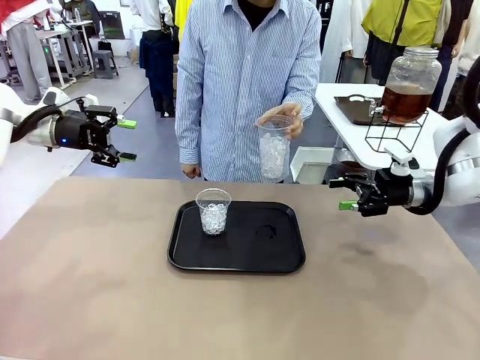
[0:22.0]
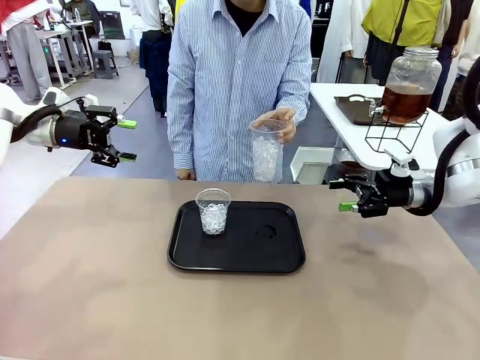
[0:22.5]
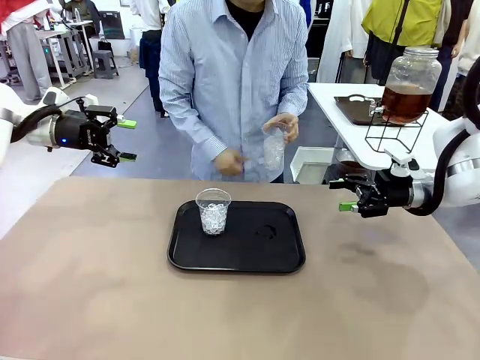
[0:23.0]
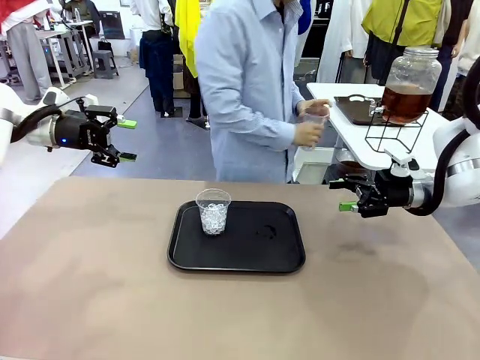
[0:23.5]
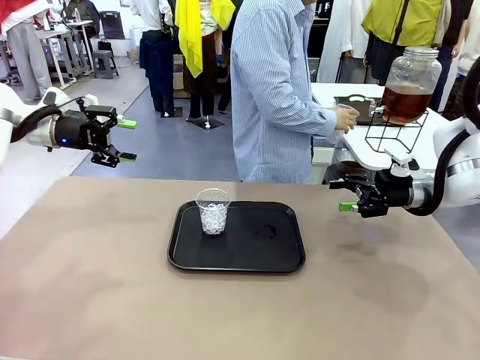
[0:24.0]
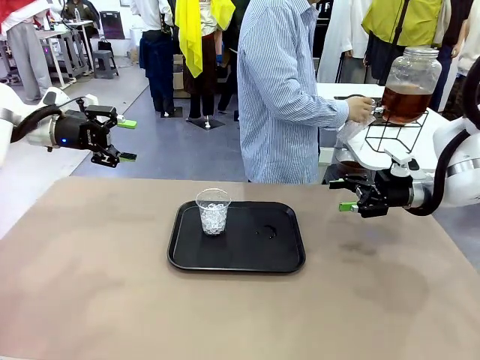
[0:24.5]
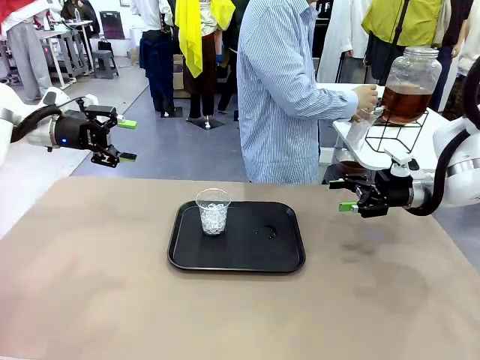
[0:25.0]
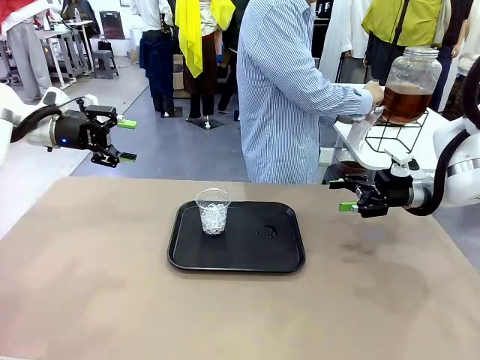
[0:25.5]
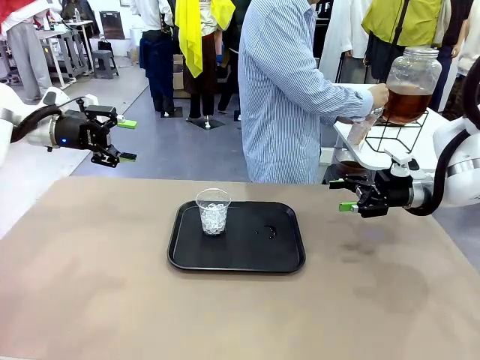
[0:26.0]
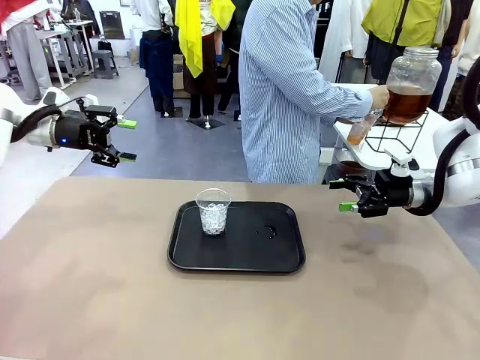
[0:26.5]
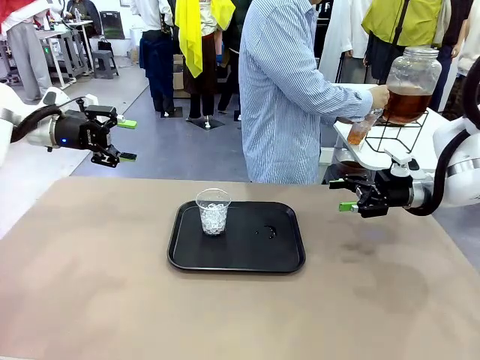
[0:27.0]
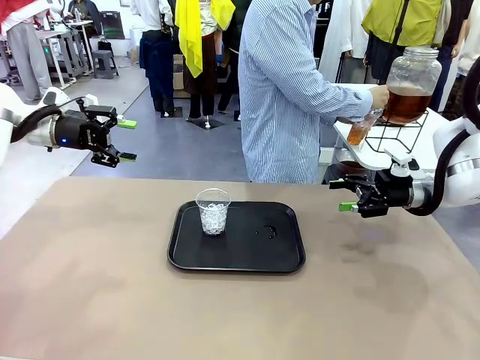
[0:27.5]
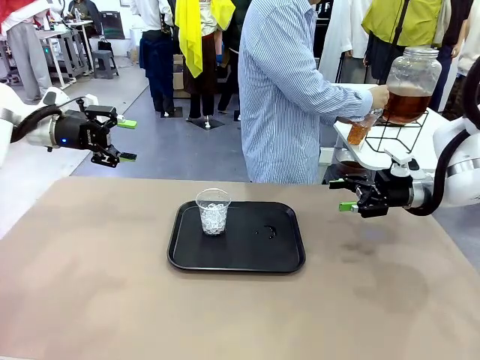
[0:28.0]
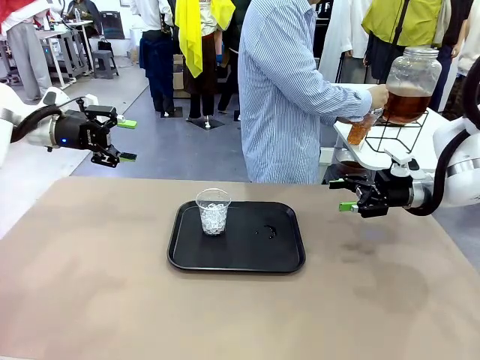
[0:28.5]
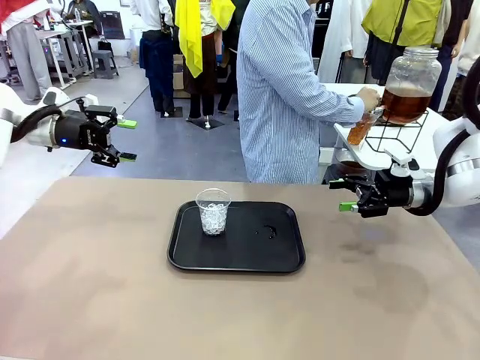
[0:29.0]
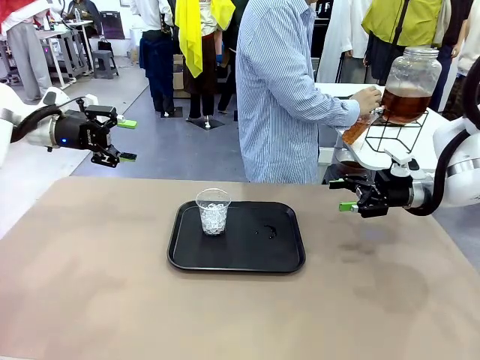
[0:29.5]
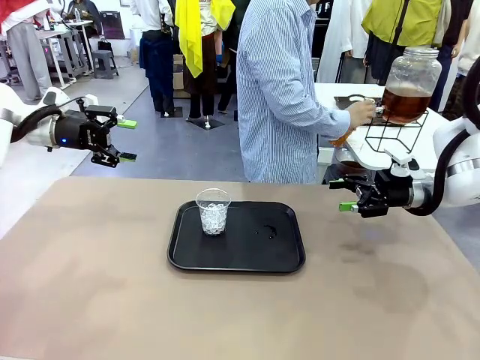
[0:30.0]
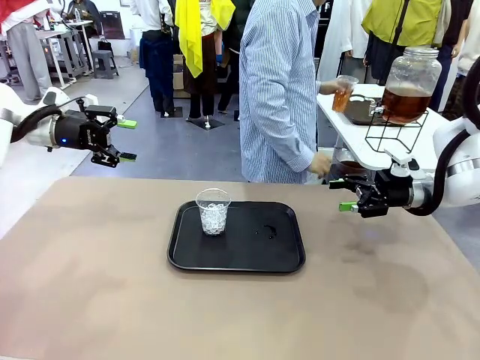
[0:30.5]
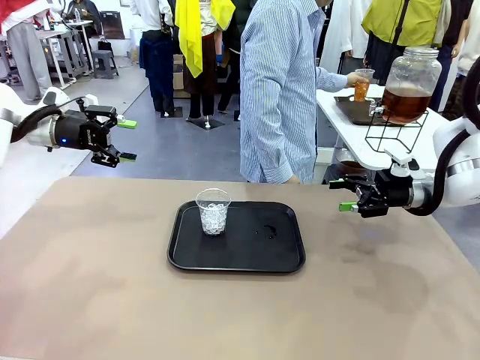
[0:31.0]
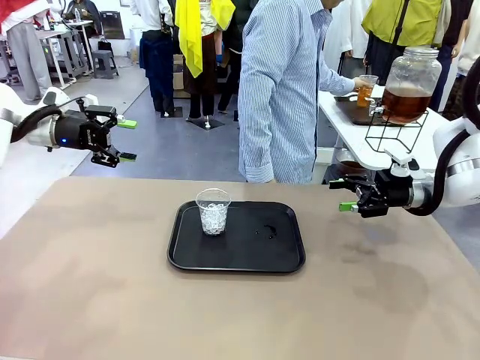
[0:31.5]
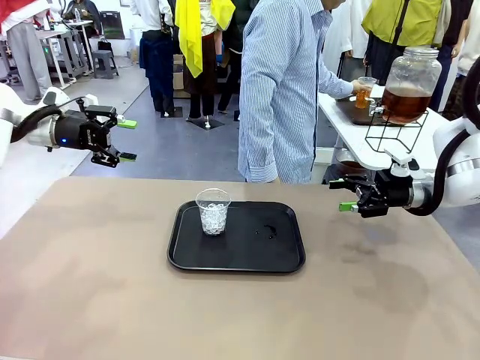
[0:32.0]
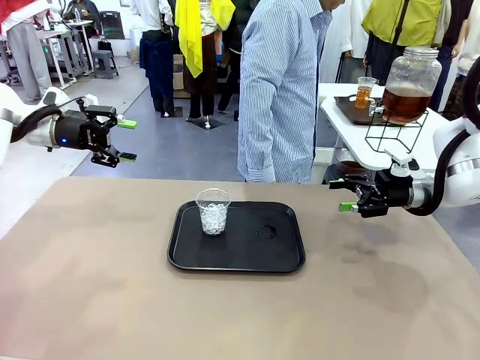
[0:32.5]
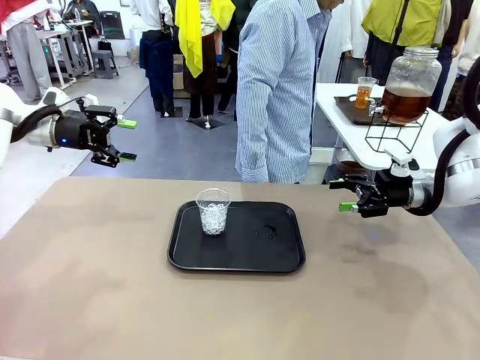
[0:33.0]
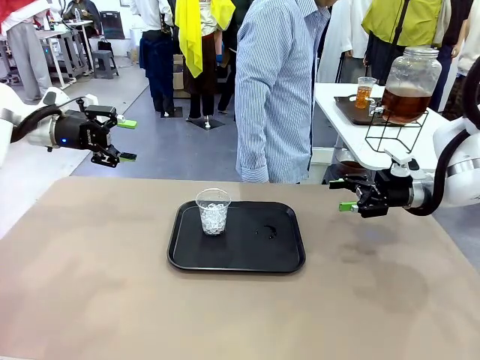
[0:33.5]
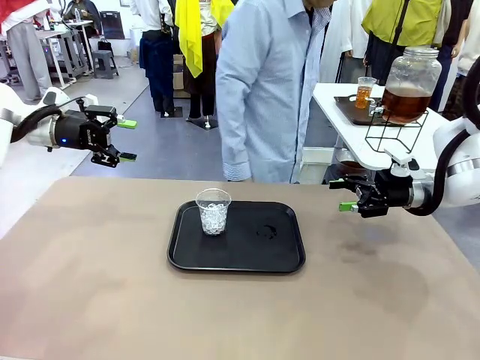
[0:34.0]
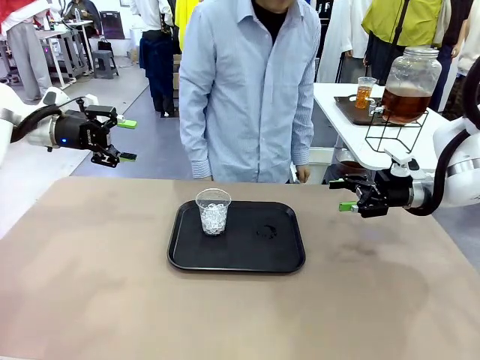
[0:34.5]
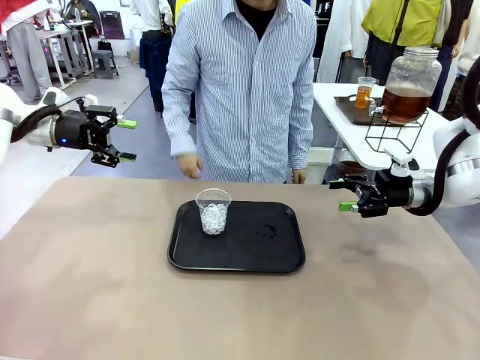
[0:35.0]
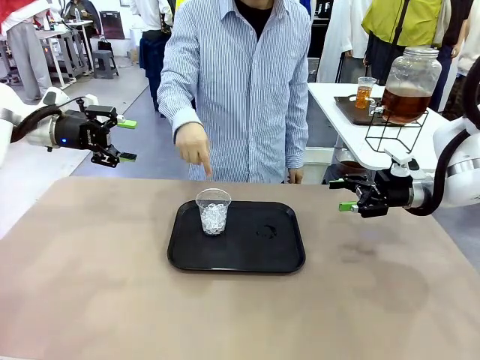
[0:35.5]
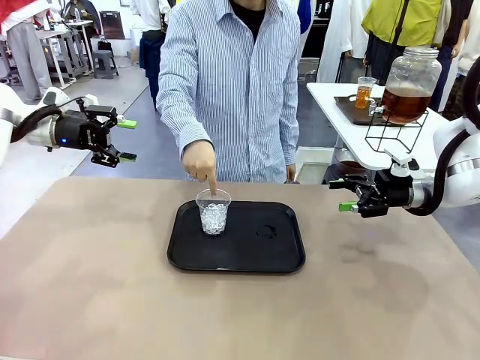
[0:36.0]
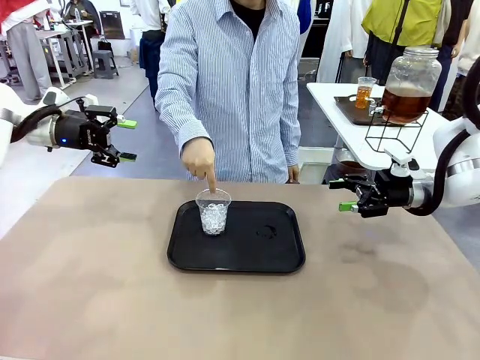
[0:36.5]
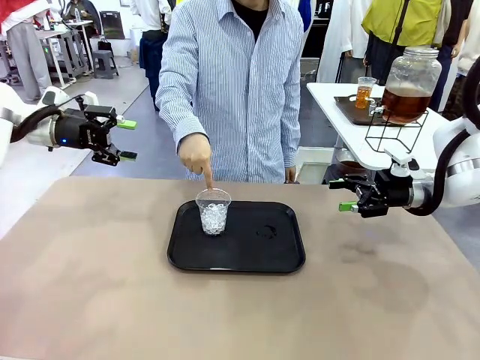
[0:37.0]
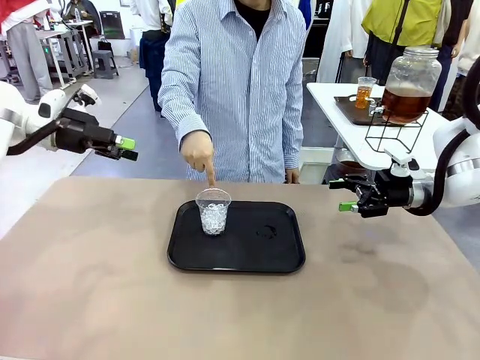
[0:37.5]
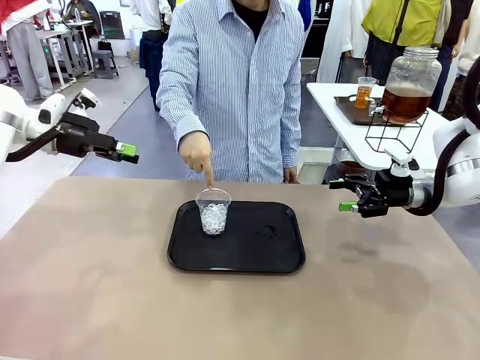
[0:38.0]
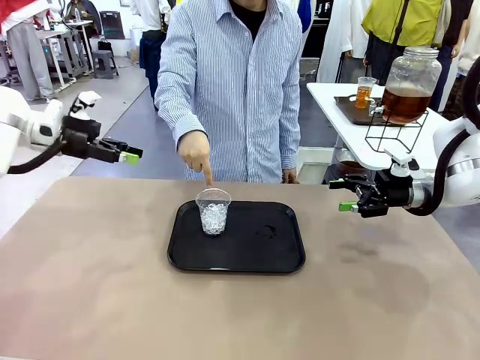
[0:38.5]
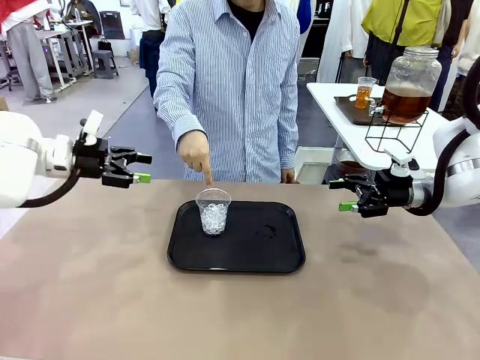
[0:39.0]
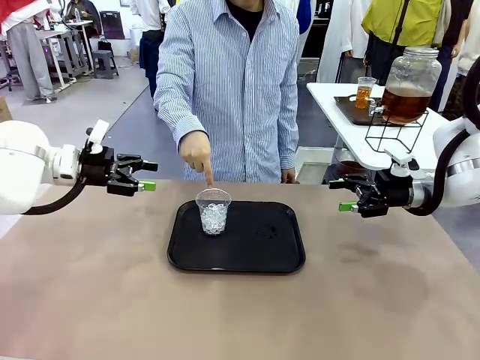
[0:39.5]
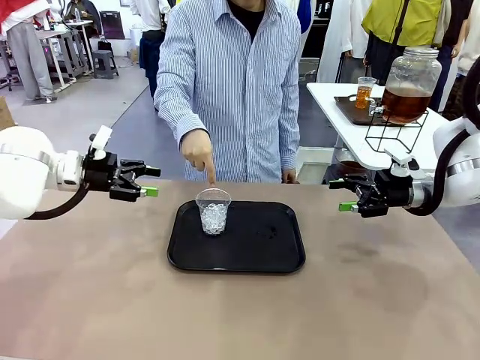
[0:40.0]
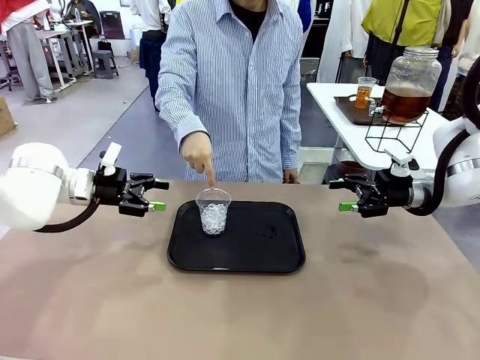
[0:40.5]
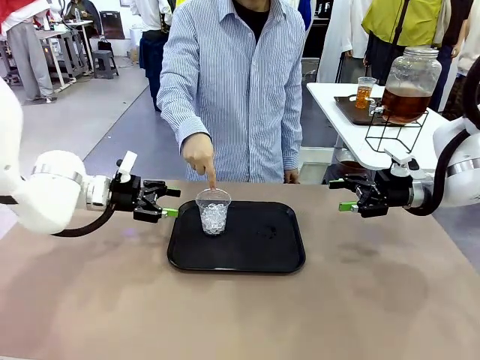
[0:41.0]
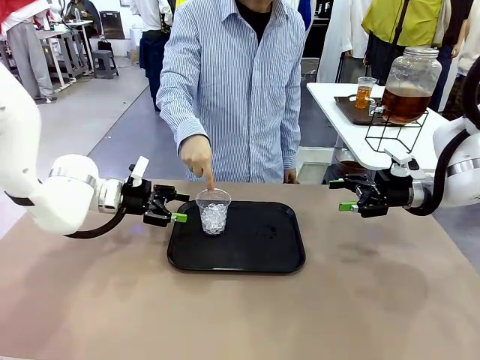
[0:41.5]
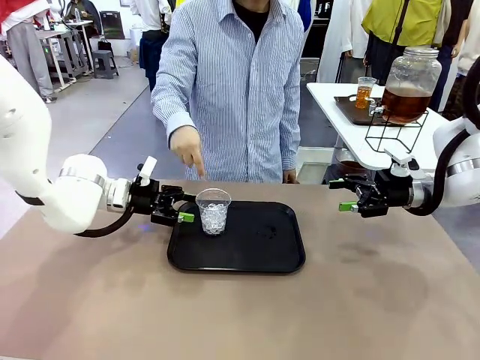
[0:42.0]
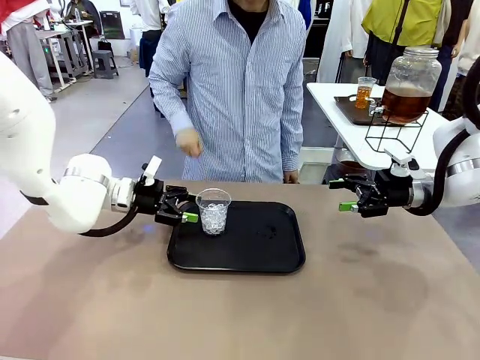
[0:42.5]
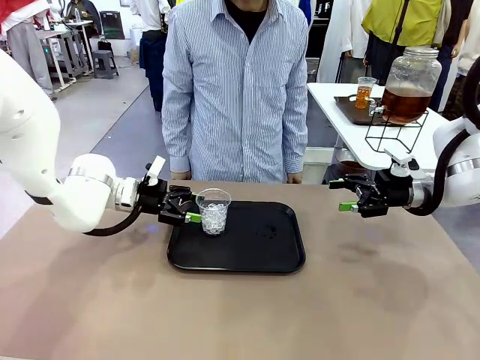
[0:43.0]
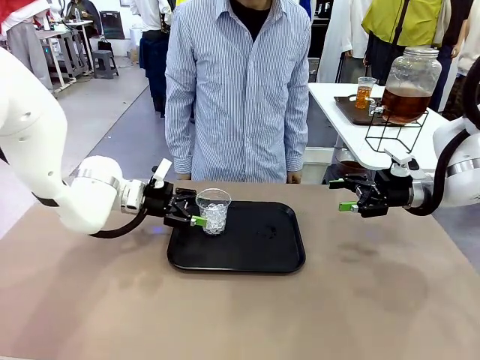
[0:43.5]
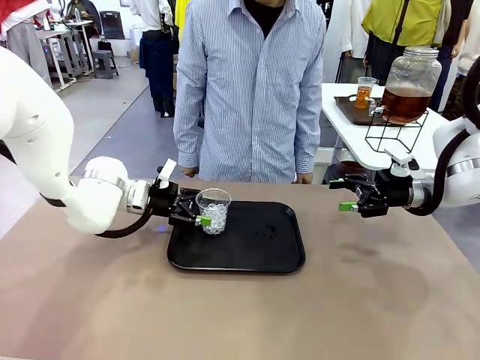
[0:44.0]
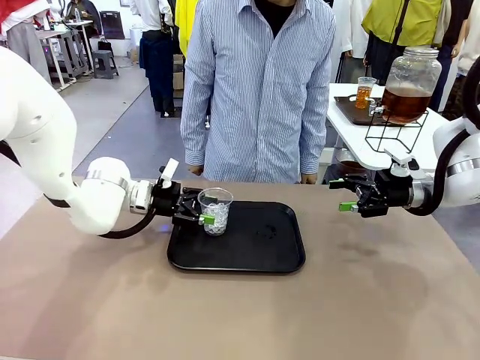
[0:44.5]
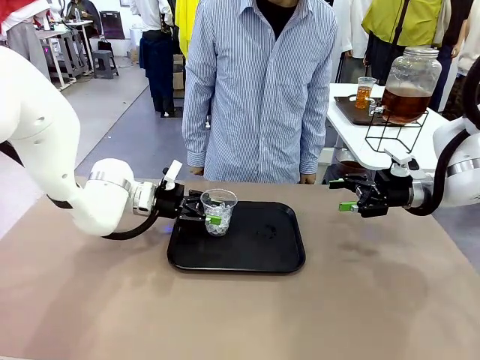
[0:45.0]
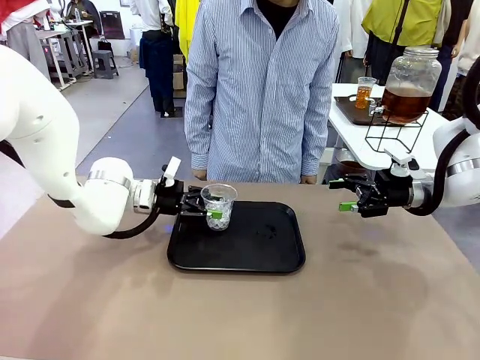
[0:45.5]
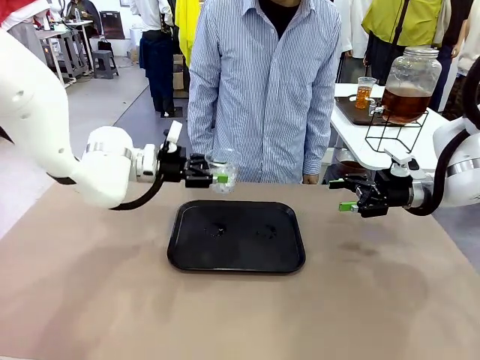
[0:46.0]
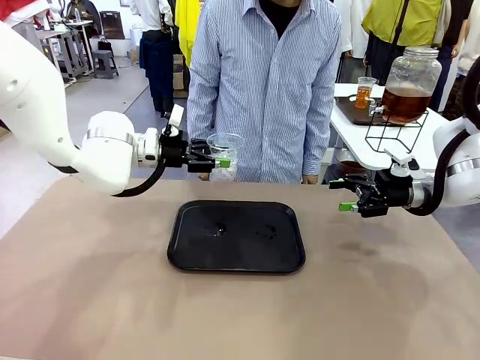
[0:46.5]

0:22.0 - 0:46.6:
Task: Pour the drink into the iced cup.
Robot: Pick up the iced cup indicated by the human and present it to them.
Person: Move the picked-up cup under the dispenser faucet, pour the drink, and place it on the tray on the human table. Point to the remaining ice cup on the robot table. Pick up the cup offered by the robot.
